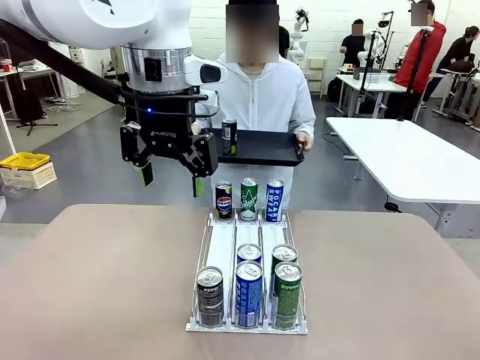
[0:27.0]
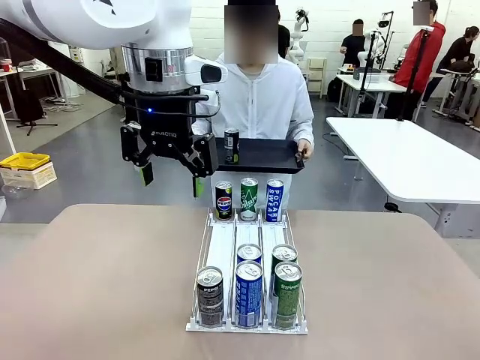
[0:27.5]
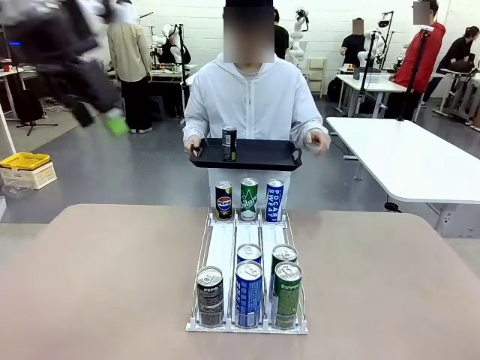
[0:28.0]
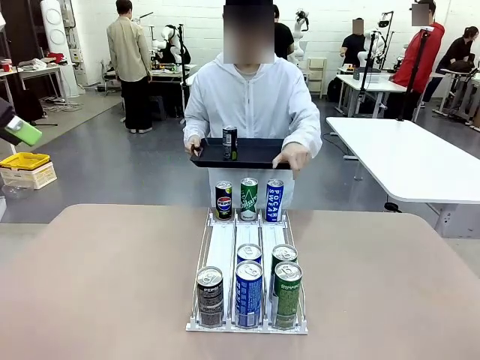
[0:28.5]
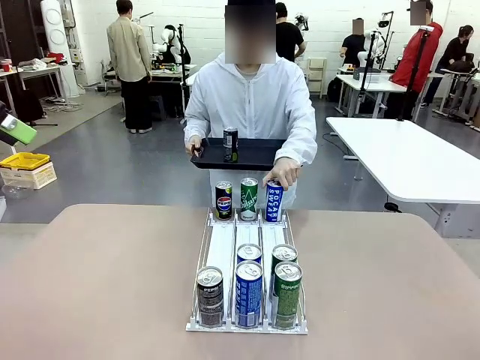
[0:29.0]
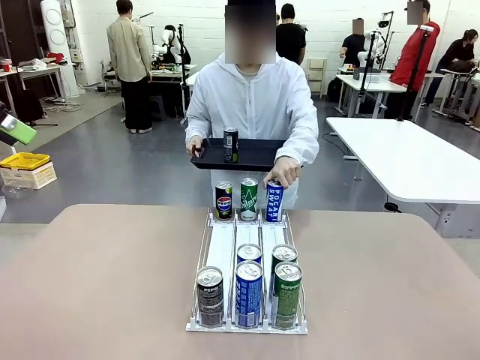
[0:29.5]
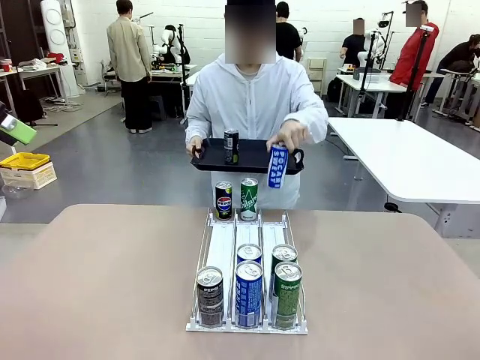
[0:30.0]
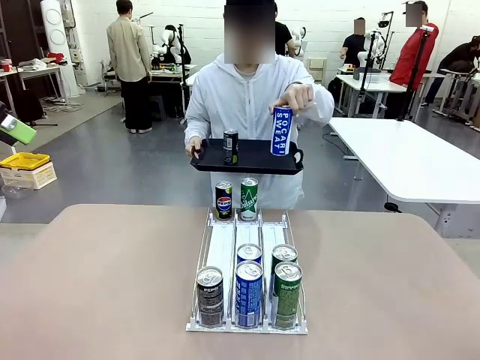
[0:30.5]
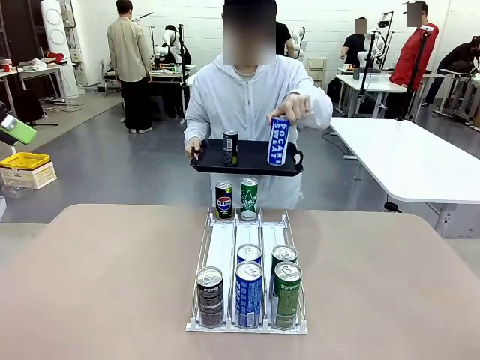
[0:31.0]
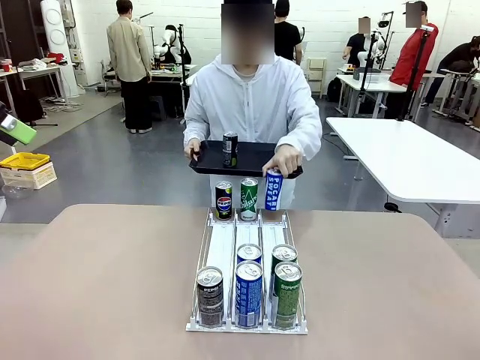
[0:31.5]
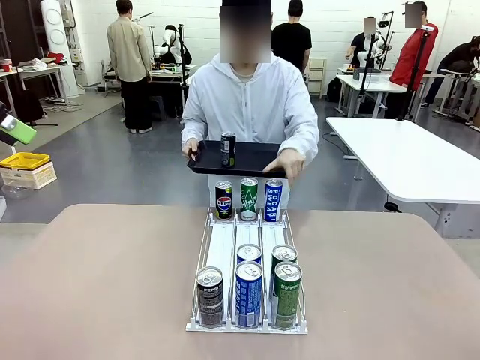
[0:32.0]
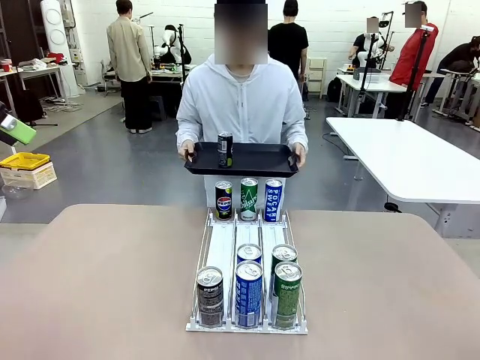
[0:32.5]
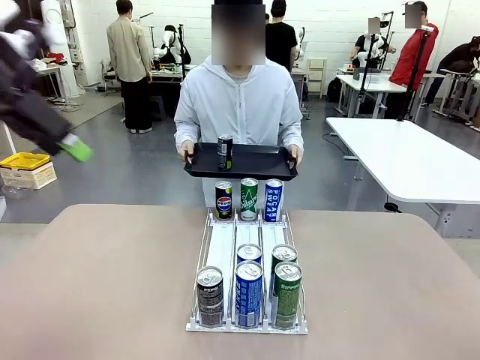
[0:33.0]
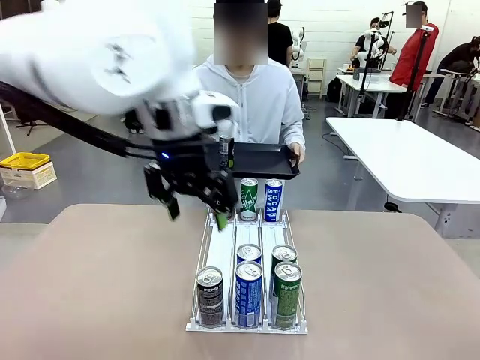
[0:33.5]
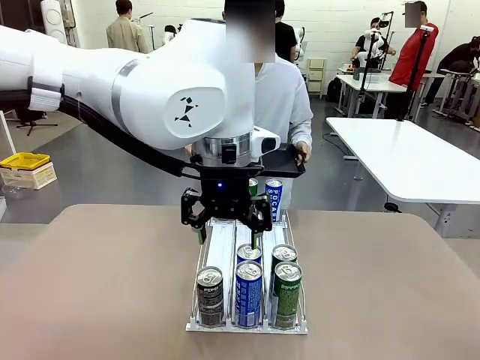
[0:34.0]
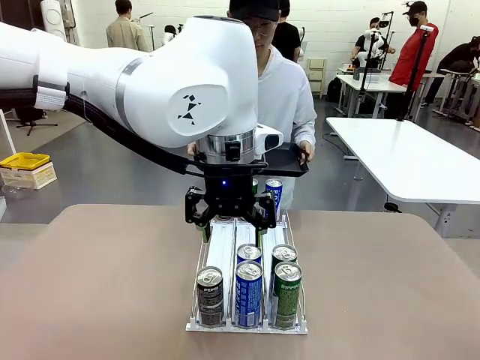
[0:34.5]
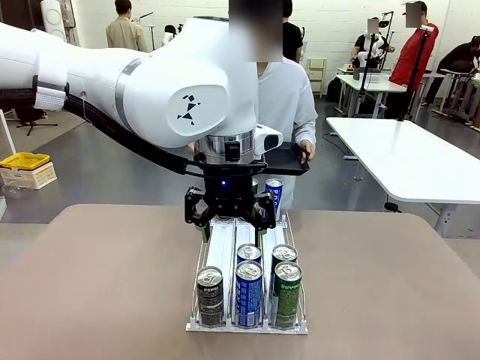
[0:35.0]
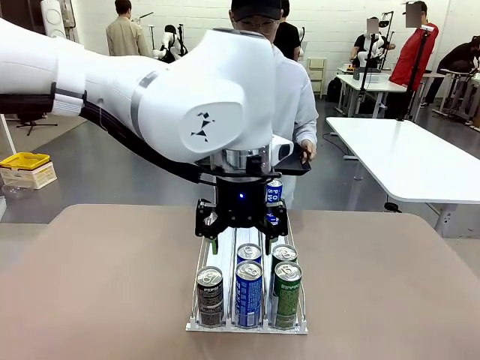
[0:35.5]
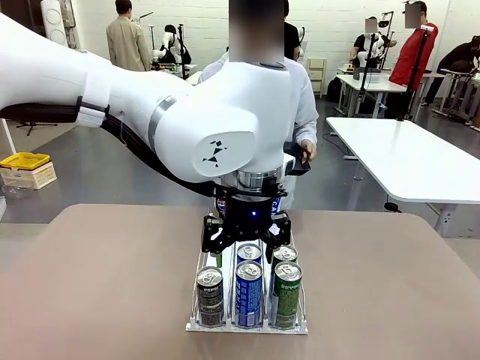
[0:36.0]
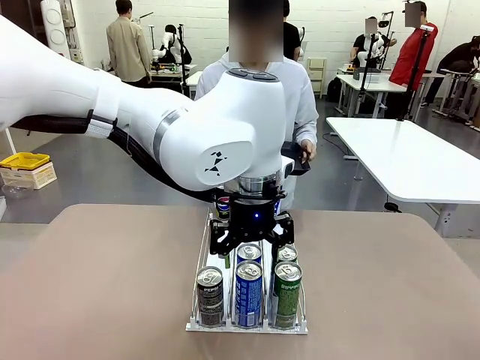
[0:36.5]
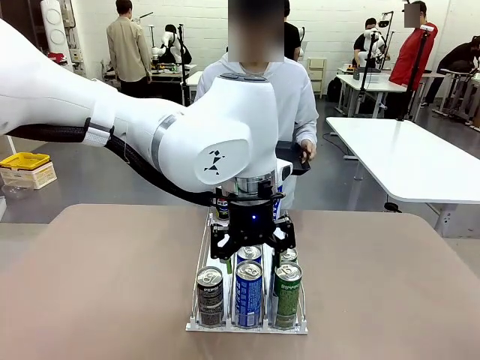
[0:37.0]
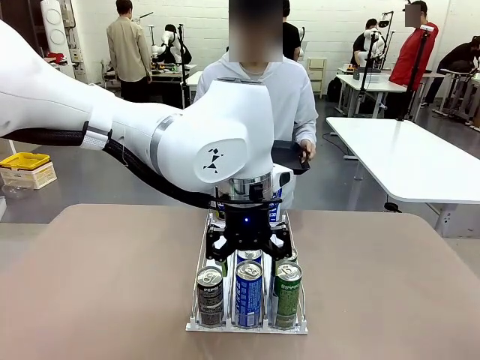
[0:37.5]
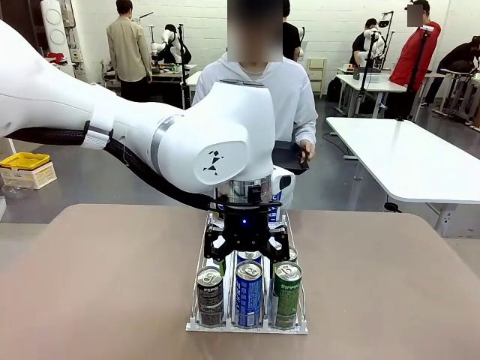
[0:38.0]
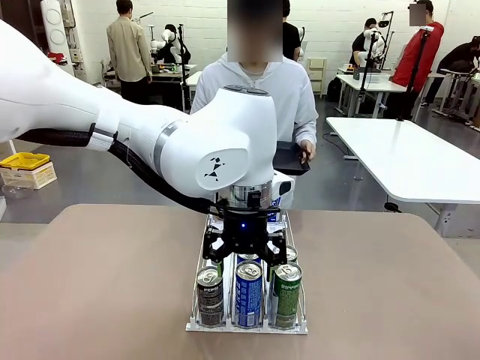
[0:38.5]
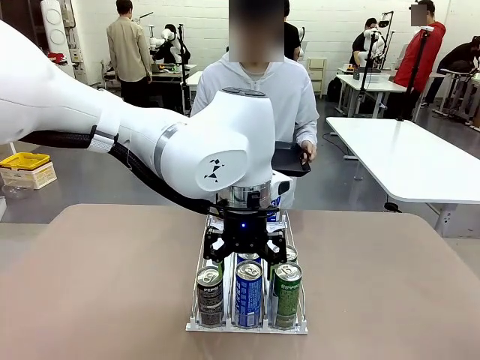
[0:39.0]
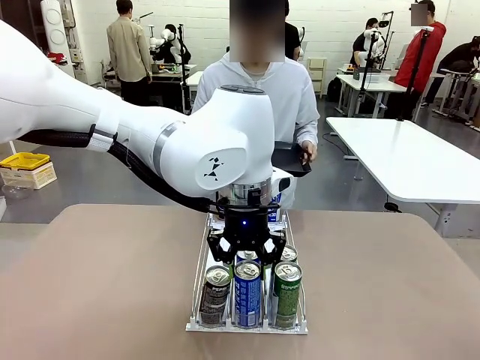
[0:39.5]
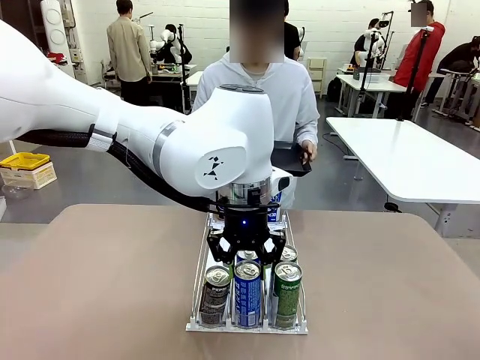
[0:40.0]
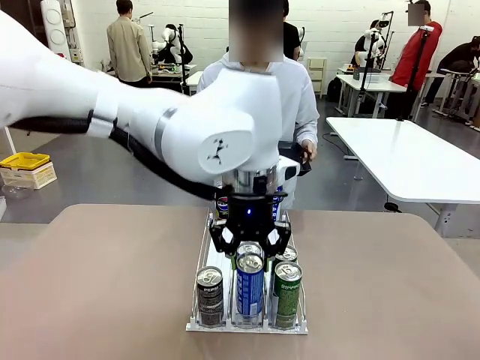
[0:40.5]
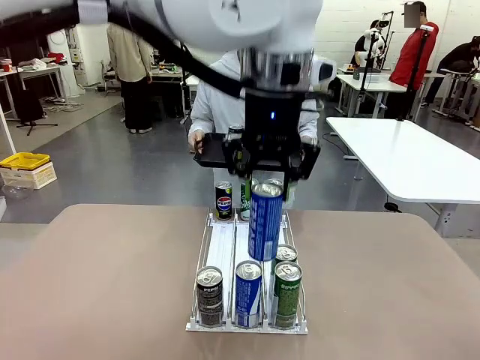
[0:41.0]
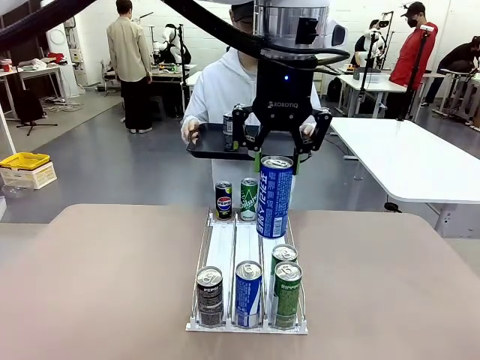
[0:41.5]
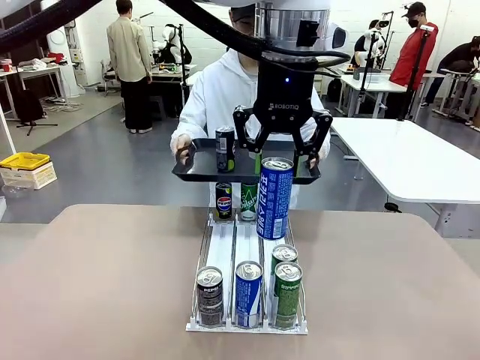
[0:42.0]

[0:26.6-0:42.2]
Task: Retrieve and hand over the desired beverage to the person.
Robot: Pick up another can of the same type that the person held from the Automatic Can Dispenser.
Person: Pull the tray back, then pick up another can from the bottom area of the table and puts it back in its original place. Push the tray toward the robot again.

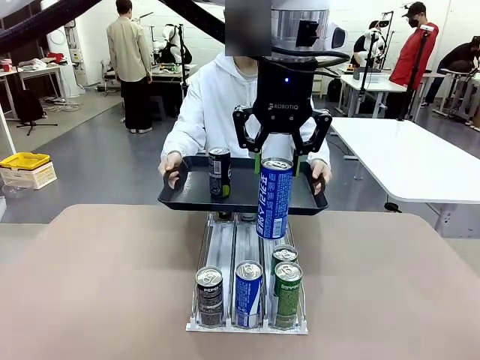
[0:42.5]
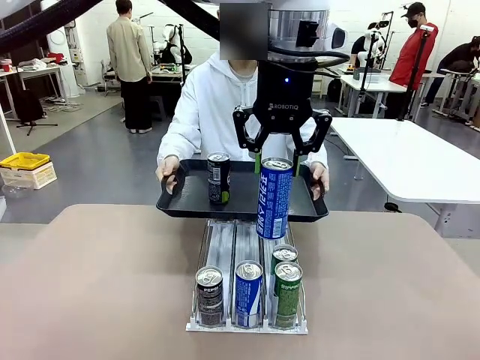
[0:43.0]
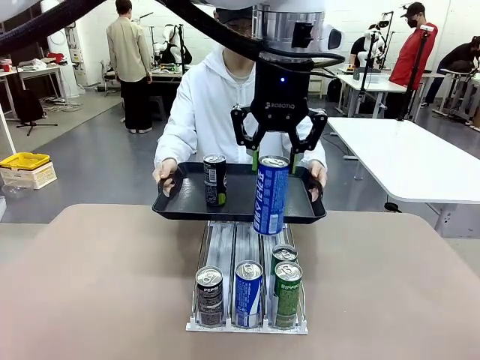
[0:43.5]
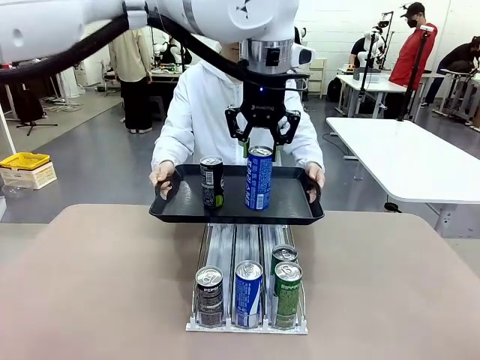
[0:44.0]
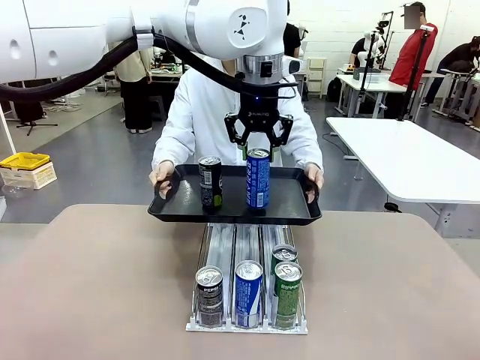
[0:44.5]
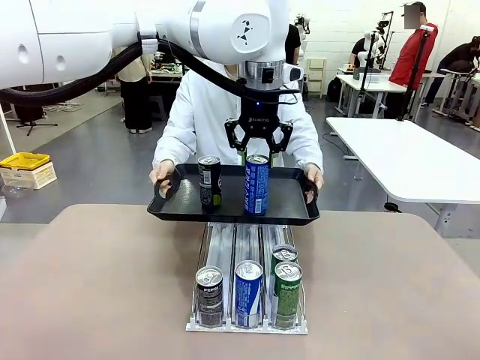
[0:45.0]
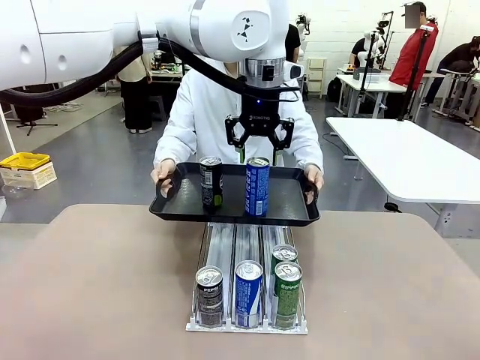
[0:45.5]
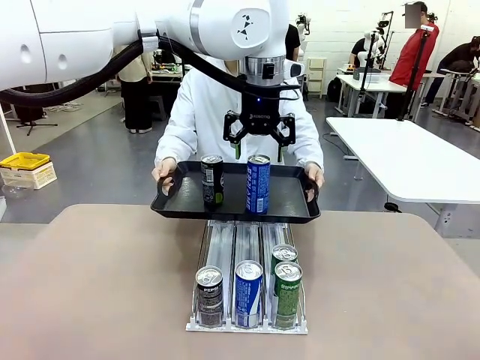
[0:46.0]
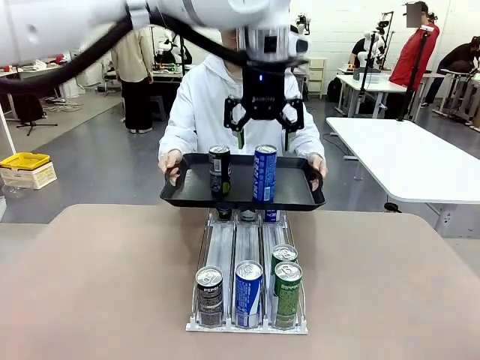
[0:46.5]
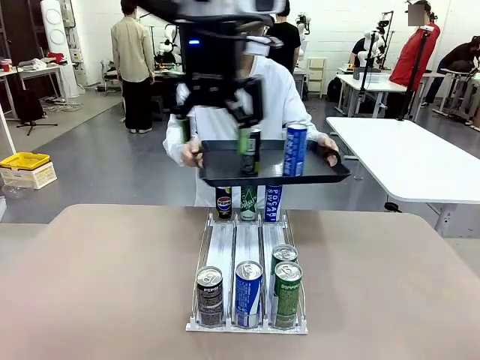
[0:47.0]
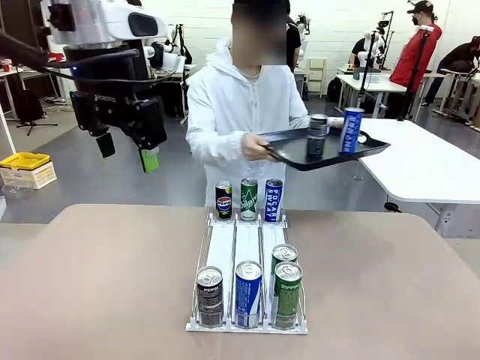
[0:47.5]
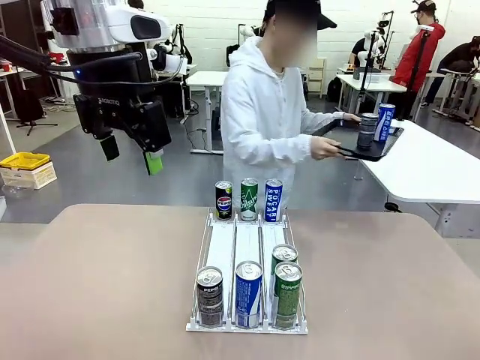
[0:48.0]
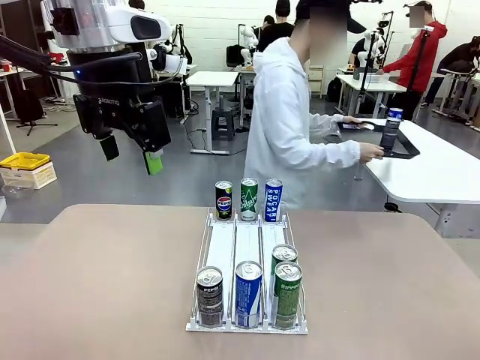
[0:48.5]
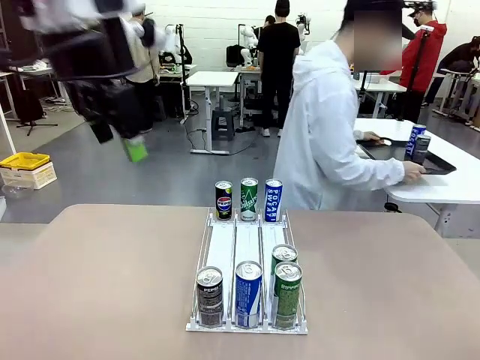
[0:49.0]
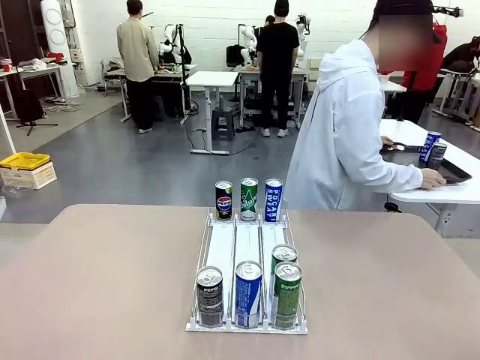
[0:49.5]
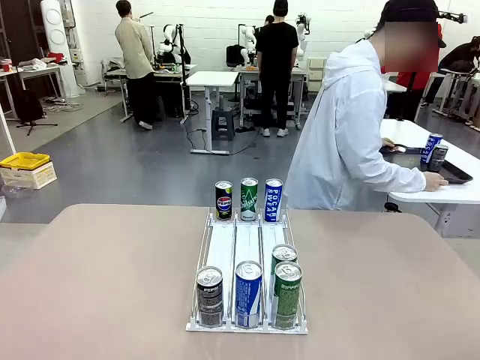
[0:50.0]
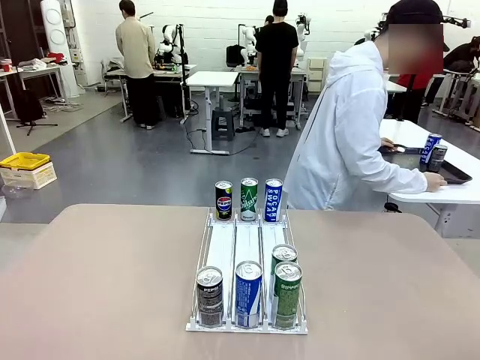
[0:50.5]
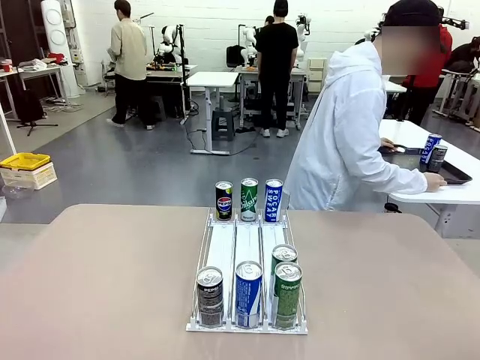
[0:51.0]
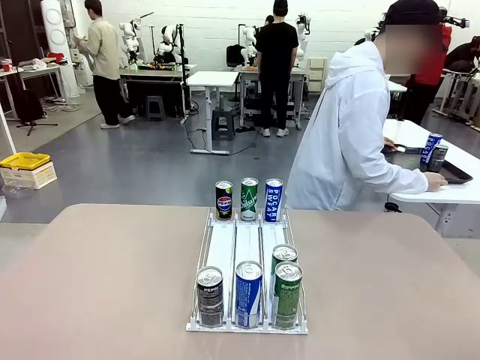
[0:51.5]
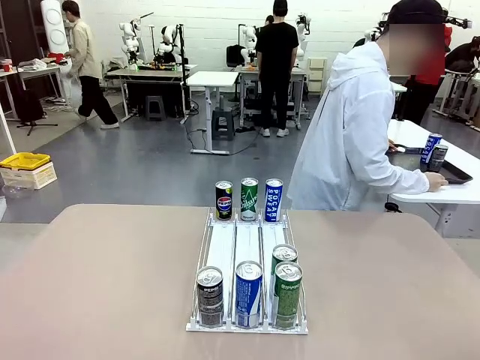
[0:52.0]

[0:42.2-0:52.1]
Robot: Place the picked can on the Handle tray extended by the person.
Person: Pull the tray back and place it at the center of the human table.
